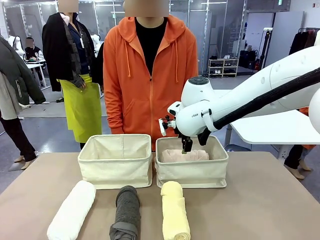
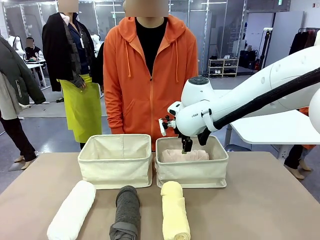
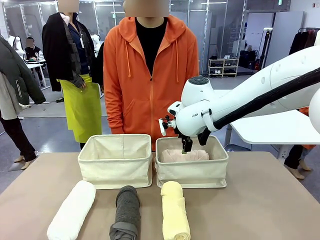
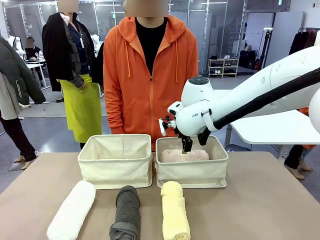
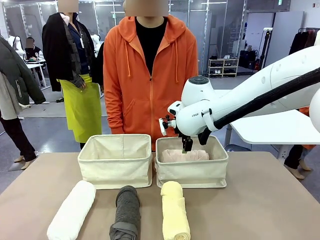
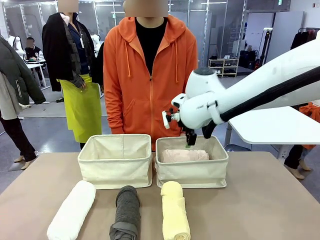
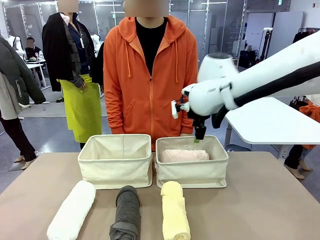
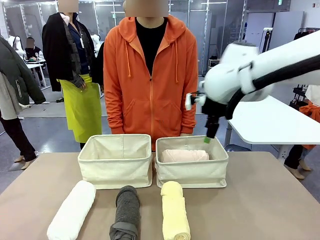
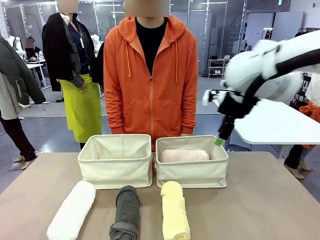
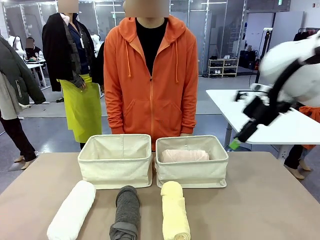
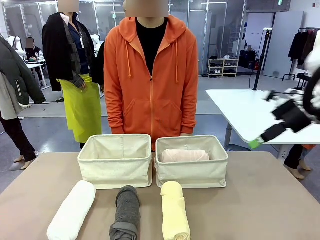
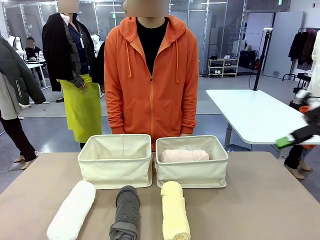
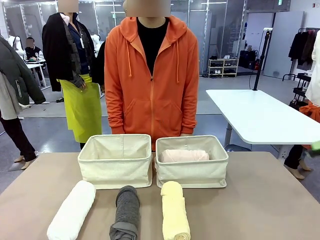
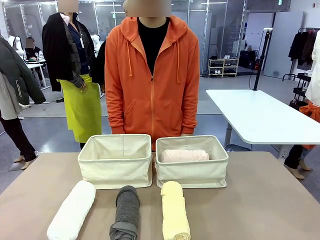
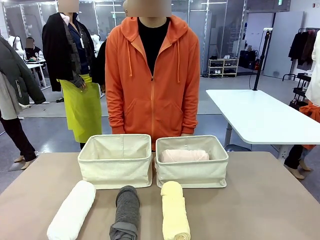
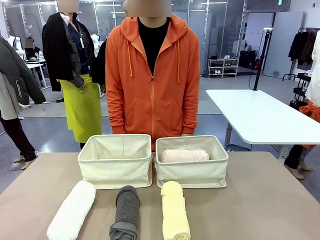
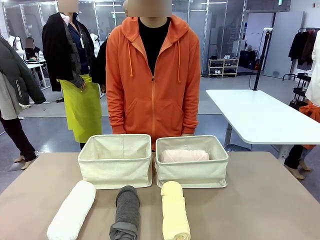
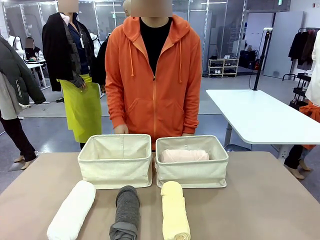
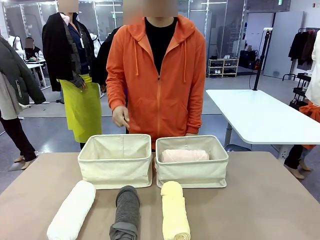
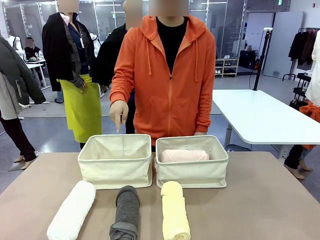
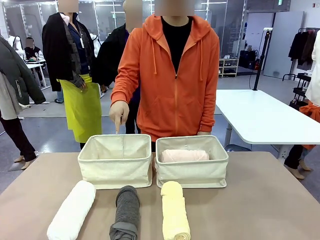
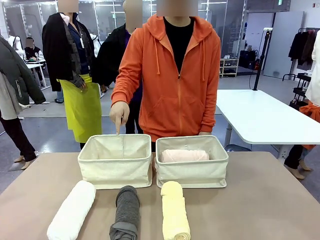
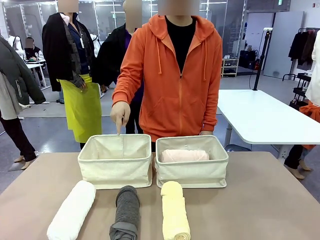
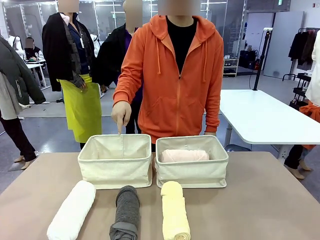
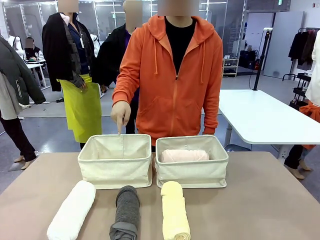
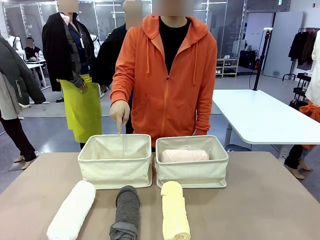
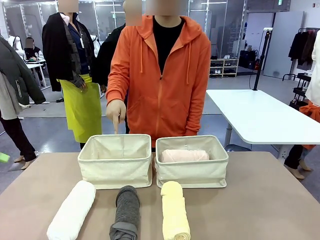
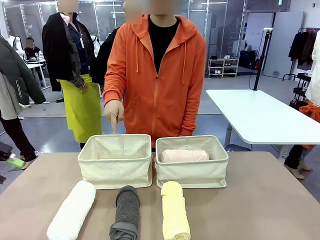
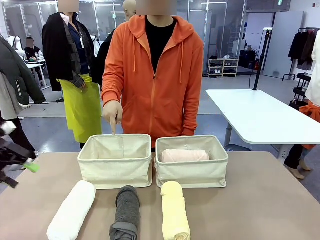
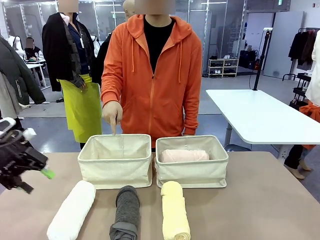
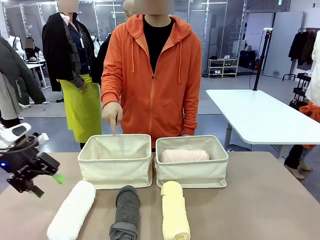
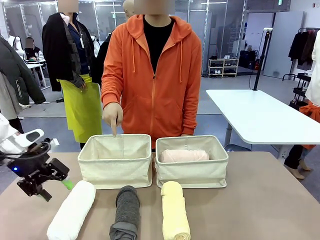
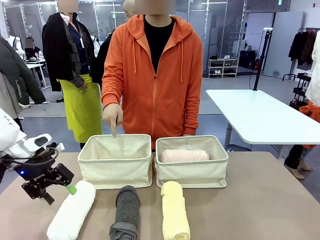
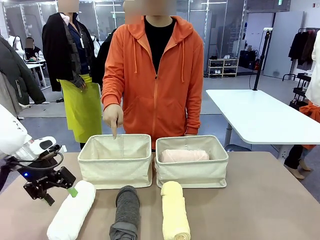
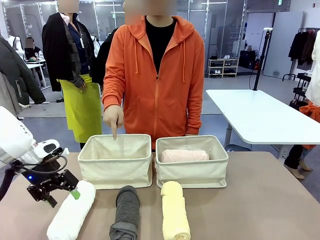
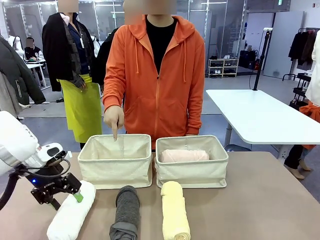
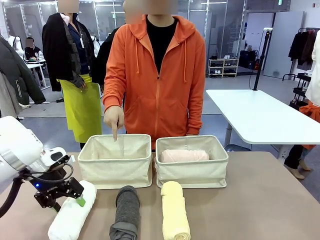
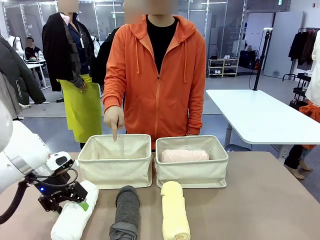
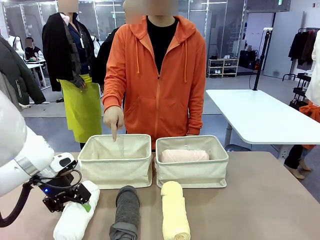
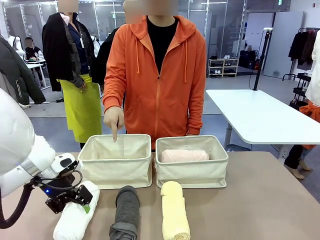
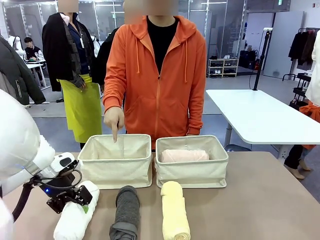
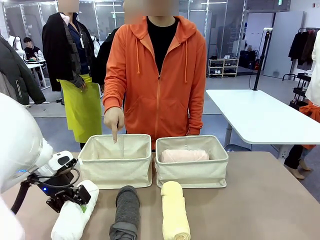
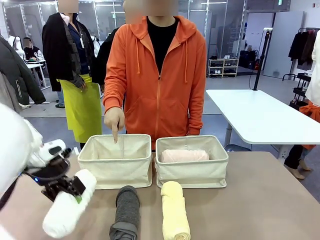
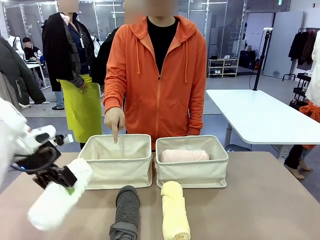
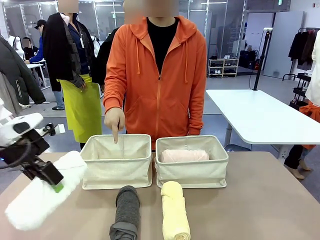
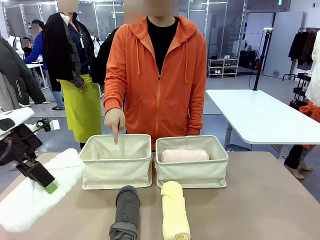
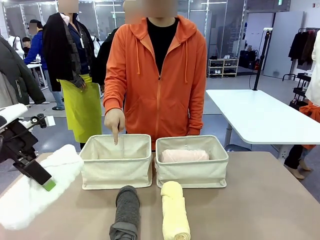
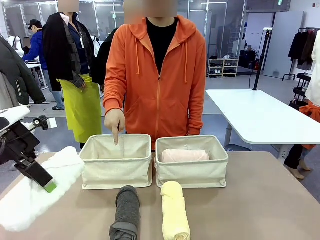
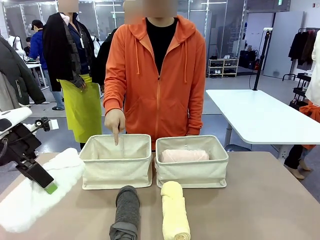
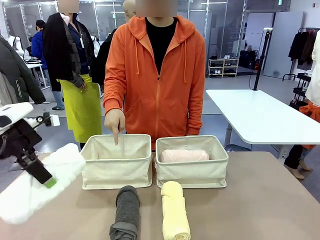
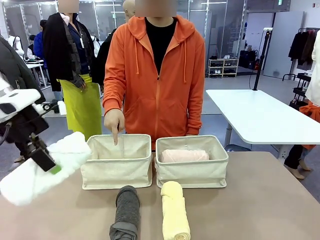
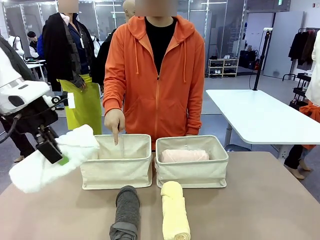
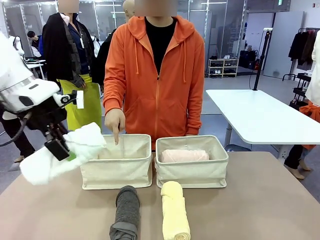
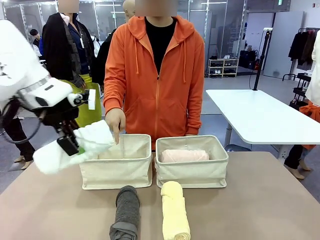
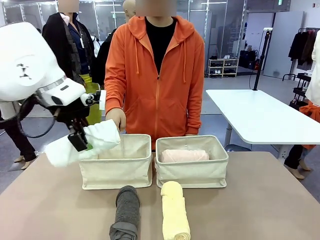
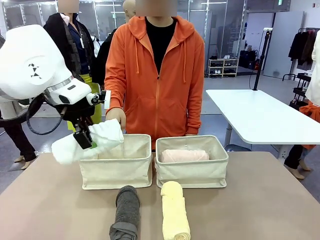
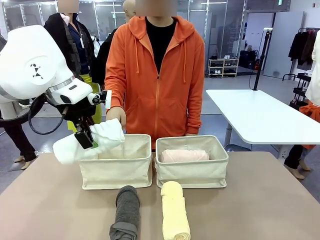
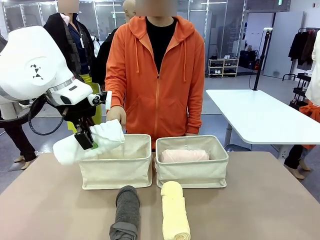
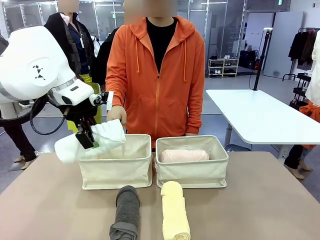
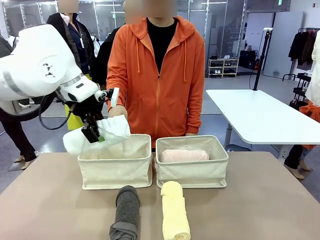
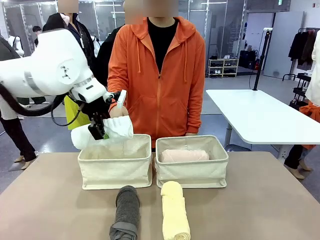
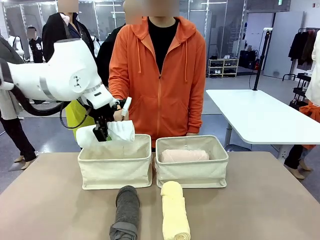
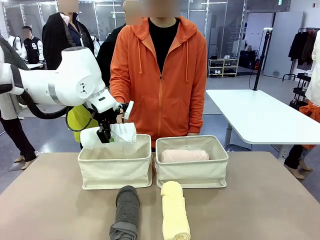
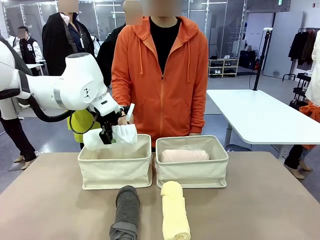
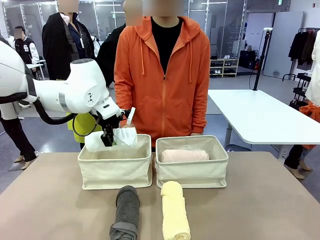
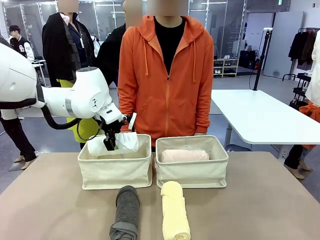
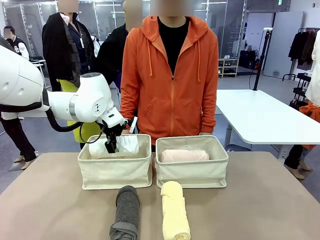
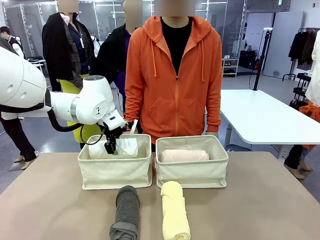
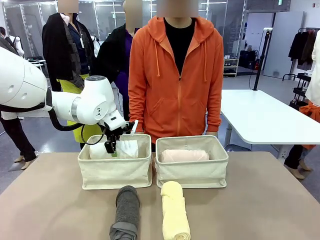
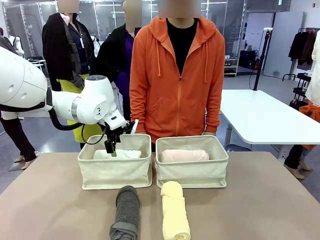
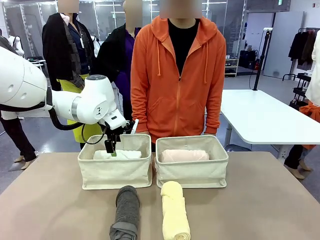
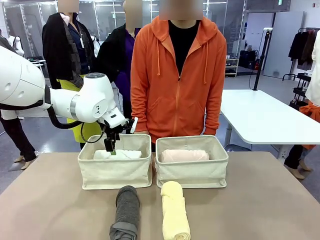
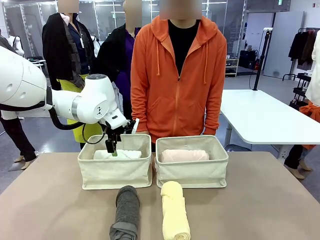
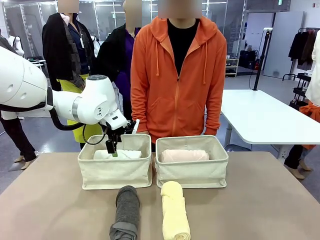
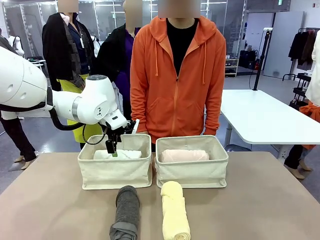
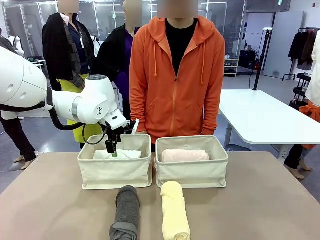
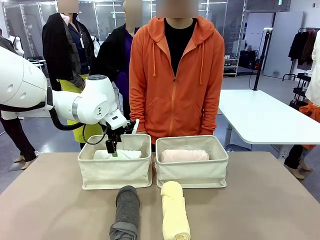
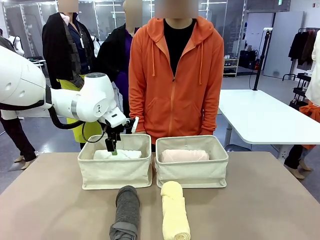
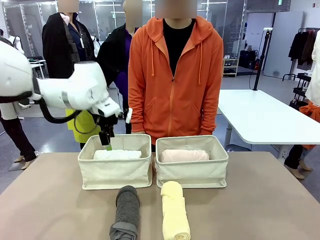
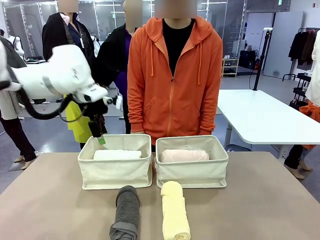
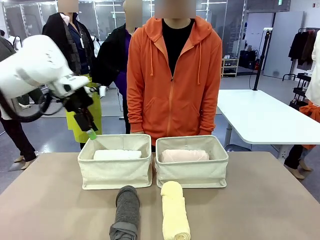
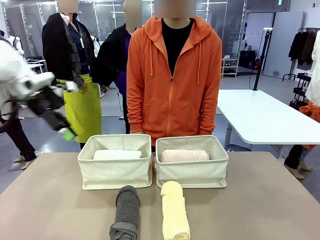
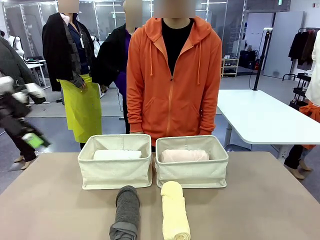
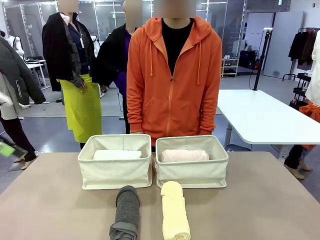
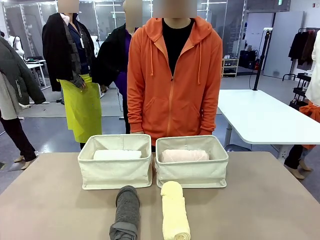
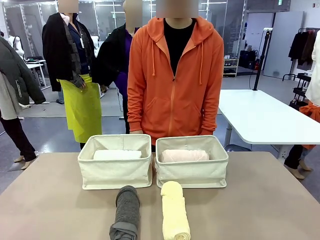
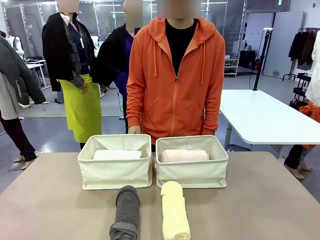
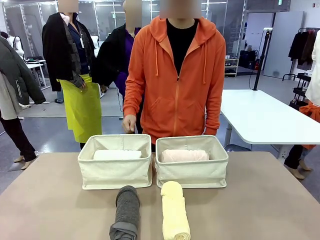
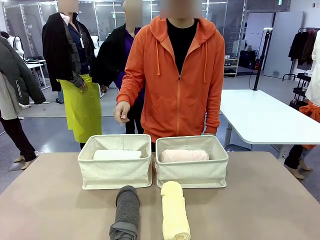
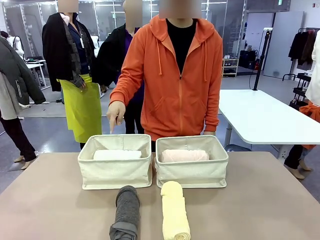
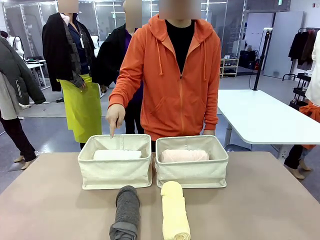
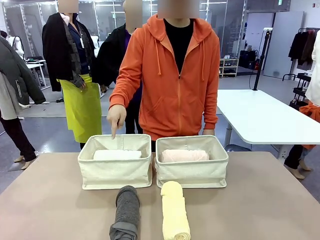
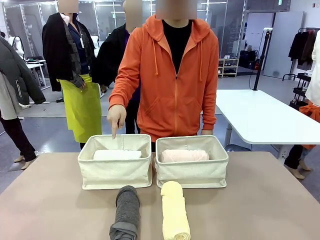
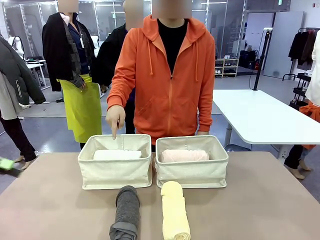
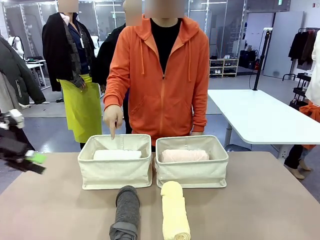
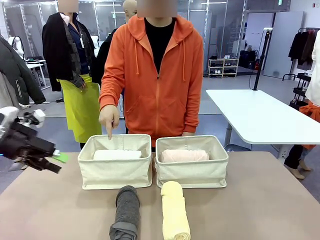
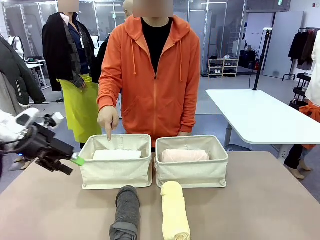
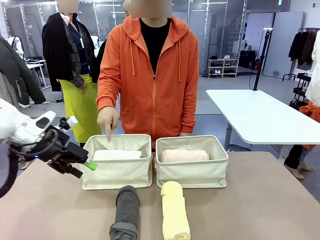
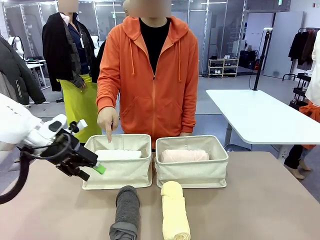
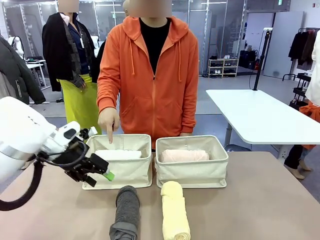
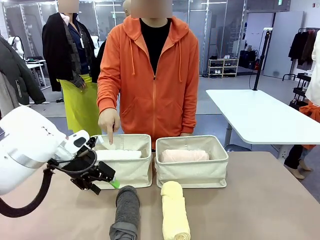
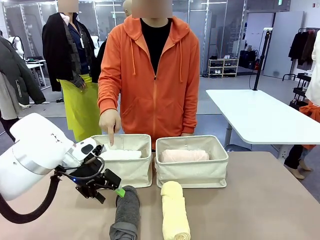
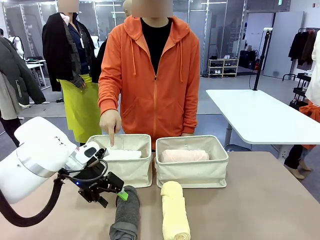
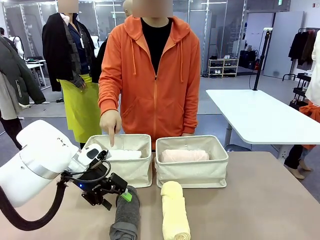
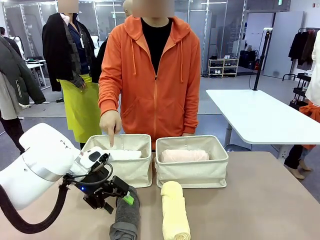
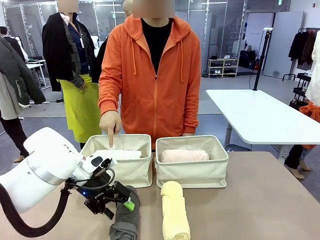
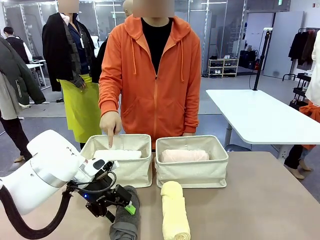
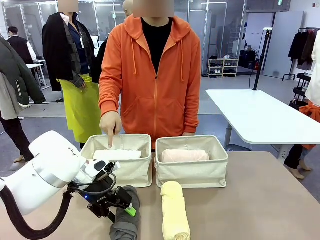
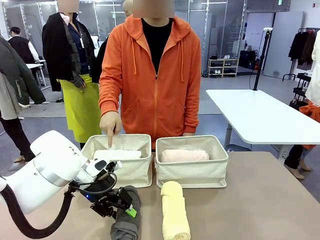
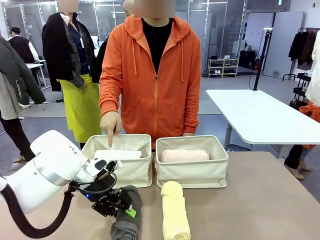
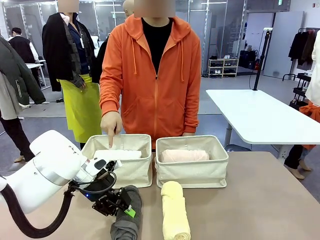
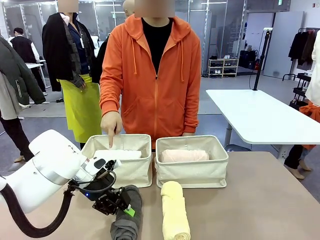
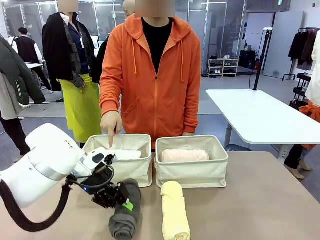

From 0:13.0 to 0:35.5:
Task: Divide the towels into two baskets.
Robot: Pick up one hotel-folded towel from the bottom of the table and place it in the Fabric basket indicated by the person.
